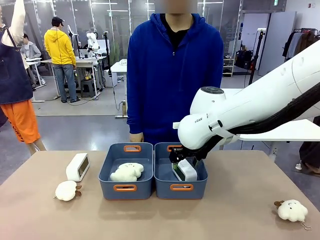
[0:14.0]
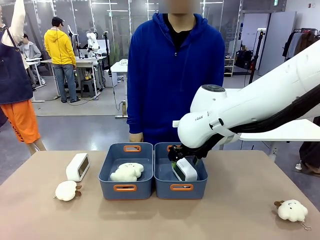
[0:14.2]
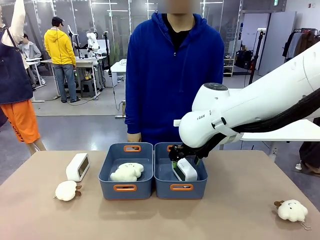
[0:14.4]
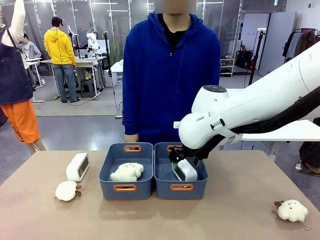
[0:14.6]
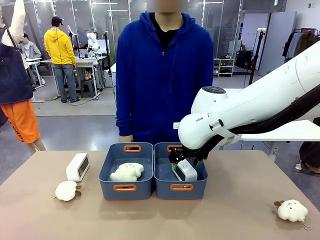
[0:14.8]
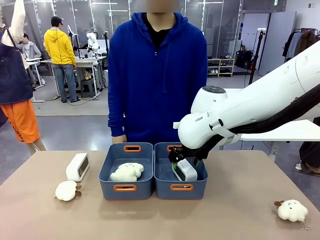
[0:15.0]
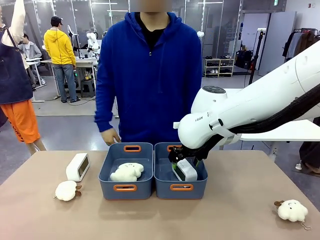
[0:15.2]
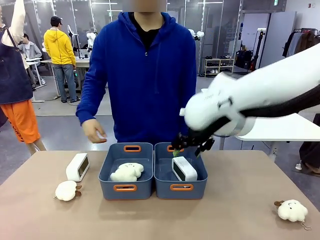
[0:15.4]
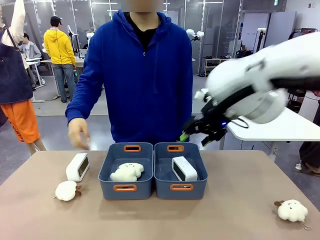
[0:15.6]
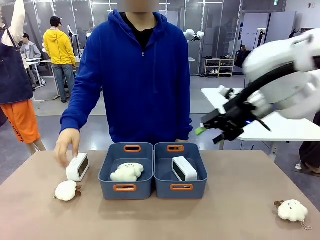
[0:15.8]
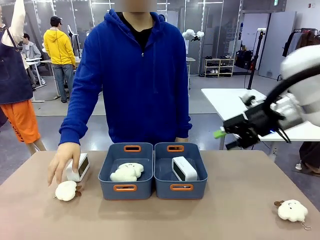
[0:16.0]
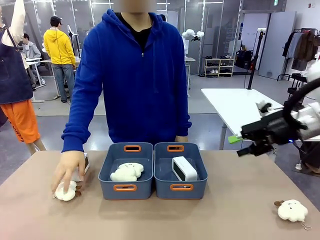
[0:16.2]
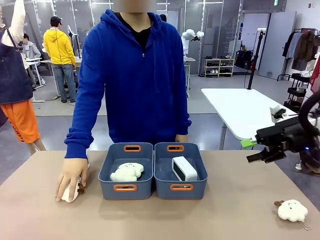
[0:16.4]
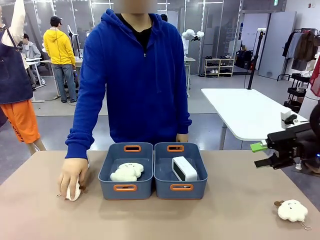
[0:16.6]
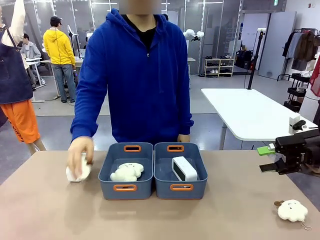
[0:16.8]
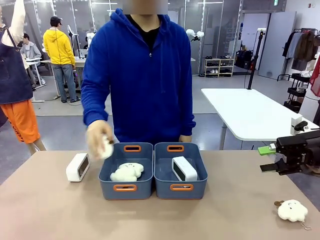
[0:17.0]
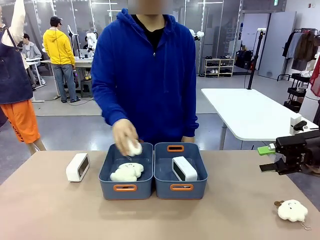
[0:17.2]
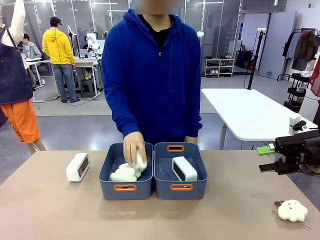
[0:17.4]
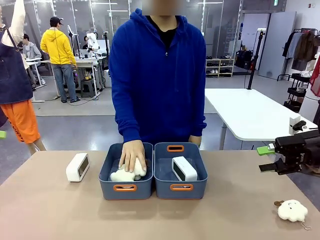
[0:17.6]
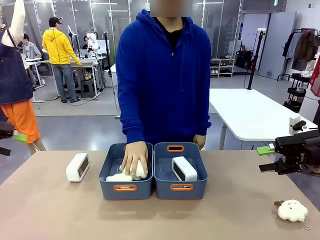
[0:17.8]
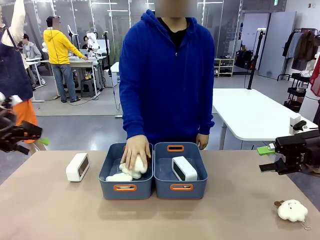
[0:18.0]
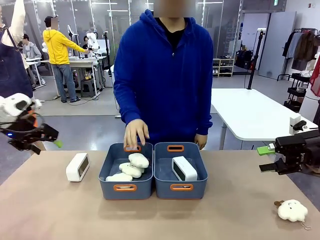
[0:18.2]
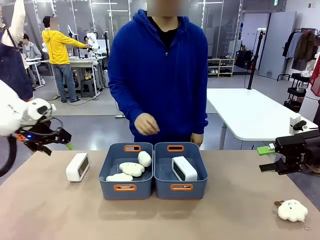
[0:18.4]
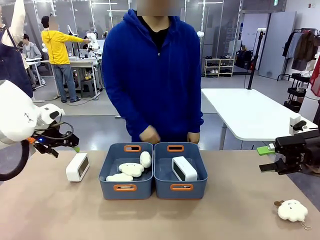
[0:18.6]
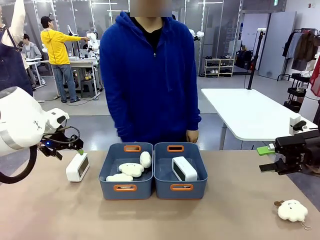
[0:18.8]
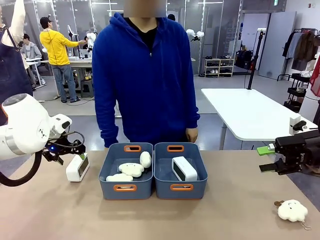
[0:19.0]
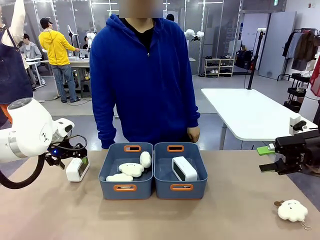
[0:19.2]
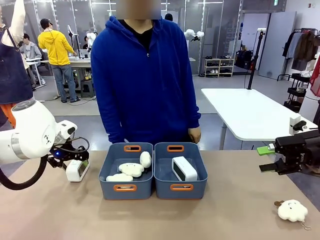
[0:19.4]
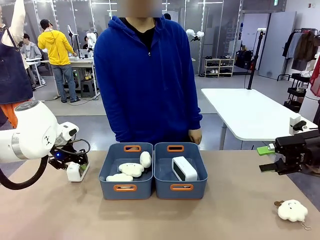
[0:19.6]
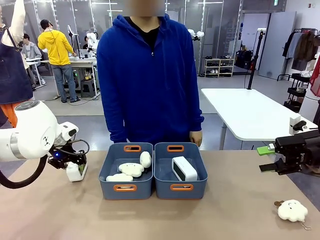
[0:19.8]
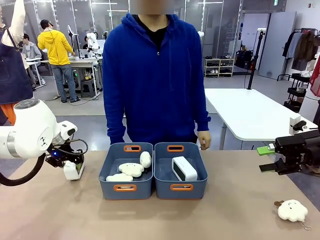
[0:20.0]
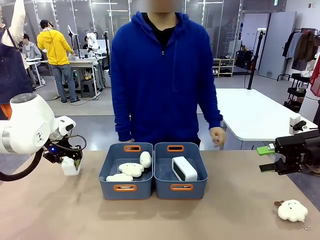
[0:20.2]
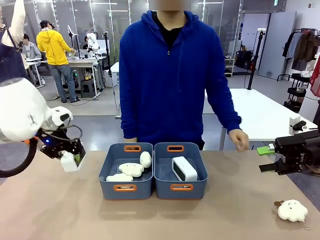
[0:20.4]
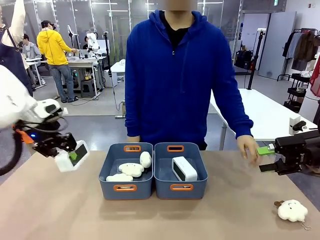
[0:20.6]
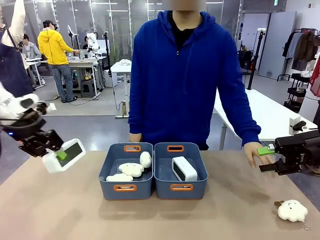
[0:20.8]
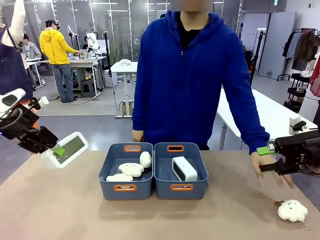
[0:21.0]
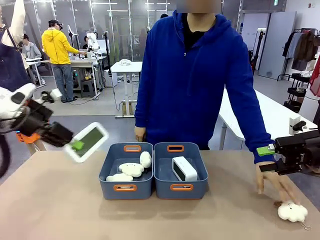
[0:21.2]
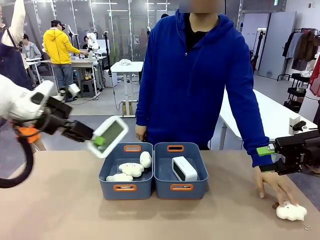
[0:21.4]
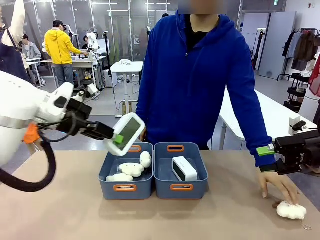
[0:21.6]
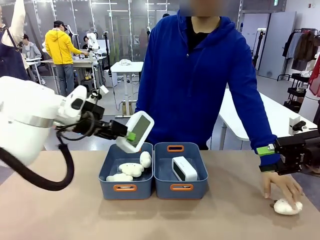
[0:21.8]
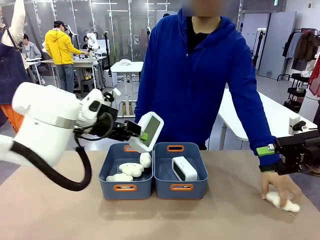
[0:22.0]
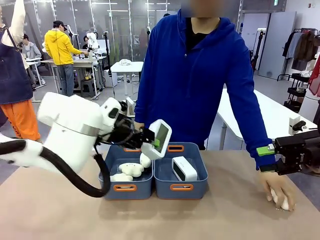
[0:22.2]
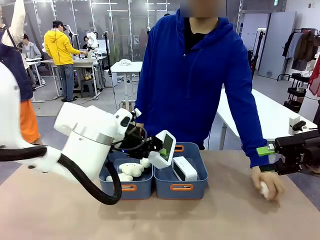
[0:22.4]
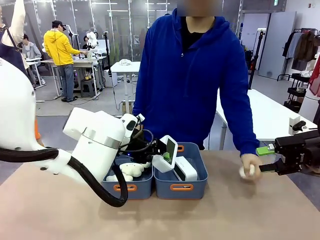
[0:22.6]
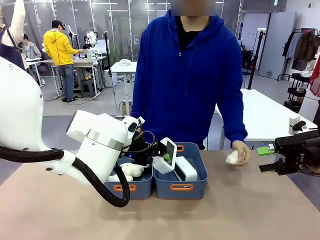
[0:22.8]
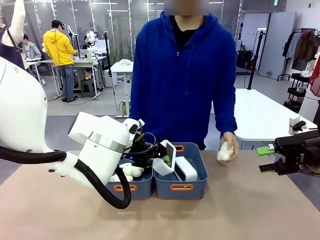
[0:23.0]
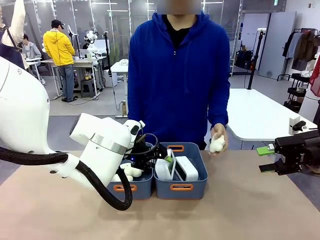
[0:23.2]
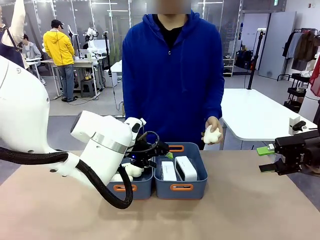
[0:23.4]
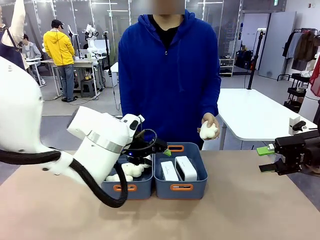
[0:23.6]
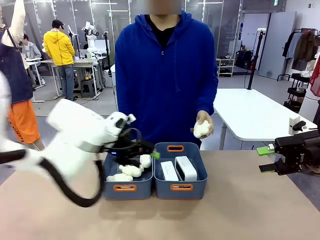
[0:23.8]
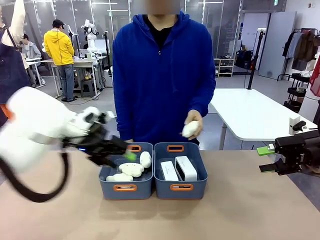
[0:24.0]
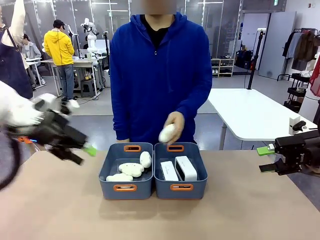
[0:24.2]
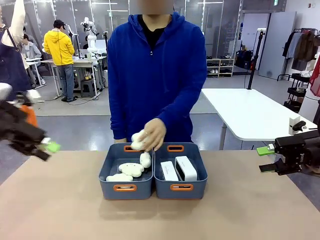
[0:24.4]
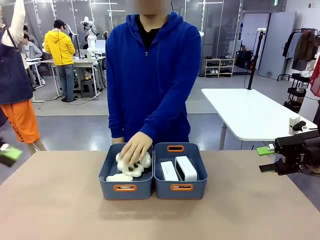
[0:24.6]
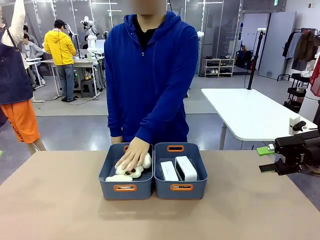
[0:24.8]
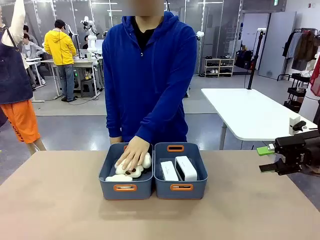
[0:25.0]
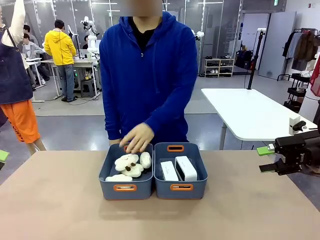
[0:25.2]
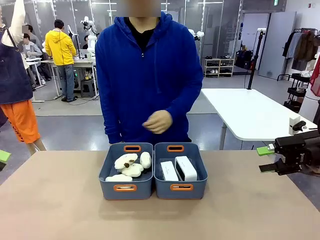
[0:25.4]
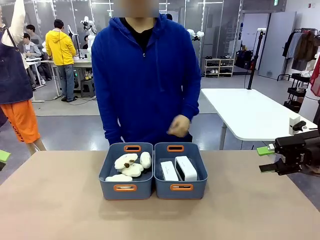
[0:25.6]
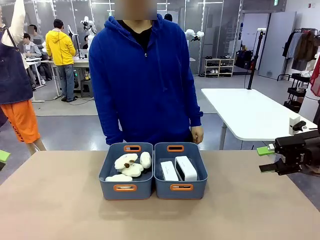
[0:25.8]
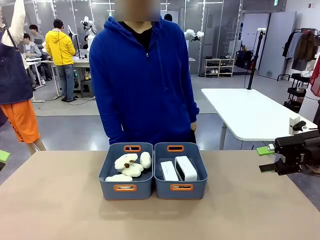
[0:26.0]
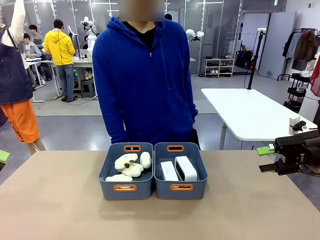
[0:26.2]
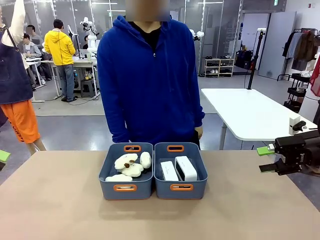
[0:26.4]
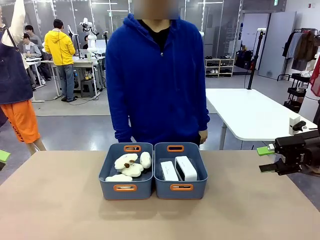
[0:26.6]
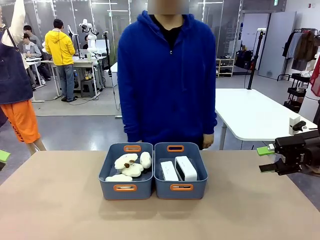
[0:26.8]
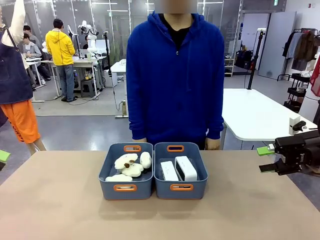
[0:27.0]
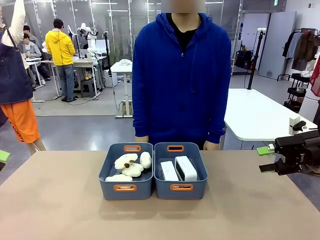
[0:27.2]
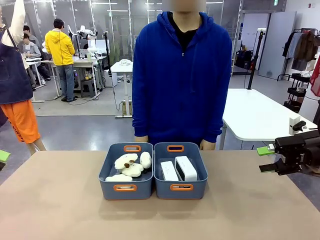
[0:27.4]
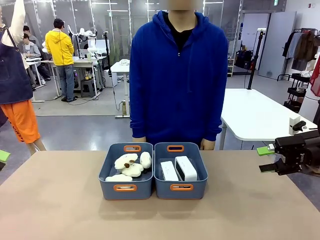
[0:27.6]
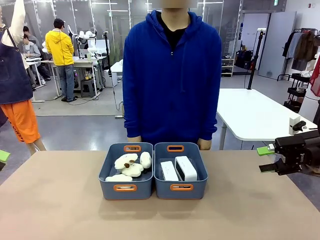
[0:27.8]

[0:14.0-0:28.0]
Task: Sort the digital clocks into the basket.
Robot: Pick up the Digital clock from the table and place it into the empty Plastic storage basket.
Person: Pick up a plush toy from the table and place it in the plastic storage basket containing the plush toy.

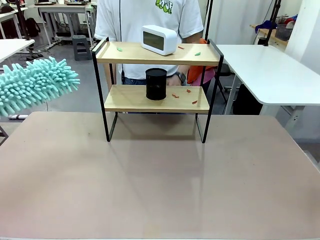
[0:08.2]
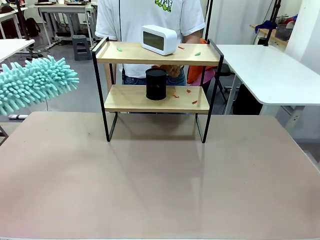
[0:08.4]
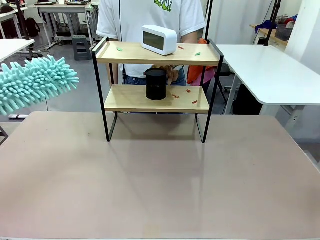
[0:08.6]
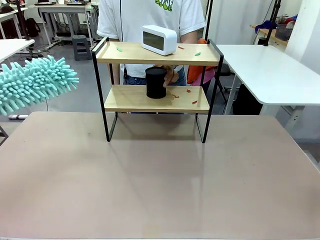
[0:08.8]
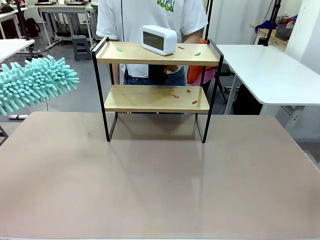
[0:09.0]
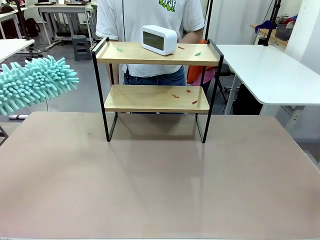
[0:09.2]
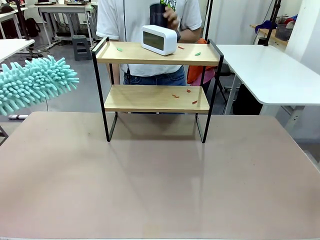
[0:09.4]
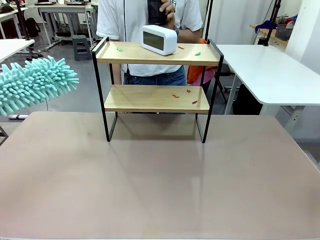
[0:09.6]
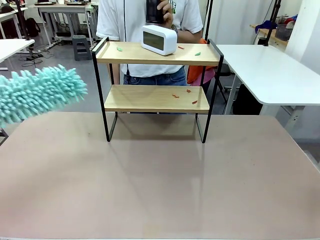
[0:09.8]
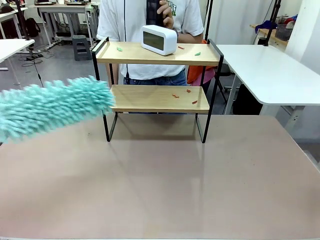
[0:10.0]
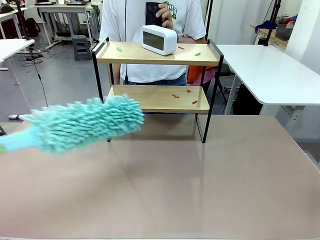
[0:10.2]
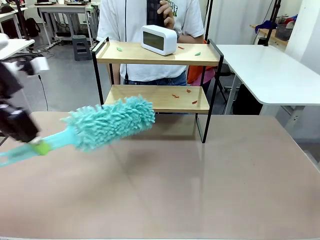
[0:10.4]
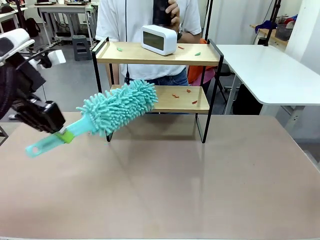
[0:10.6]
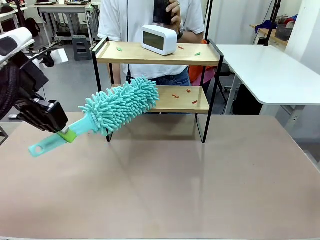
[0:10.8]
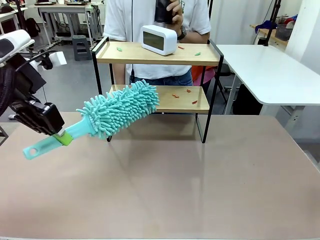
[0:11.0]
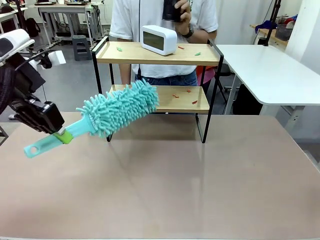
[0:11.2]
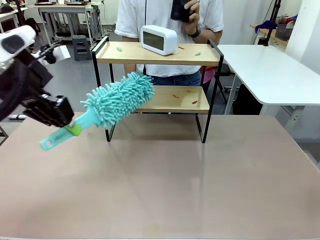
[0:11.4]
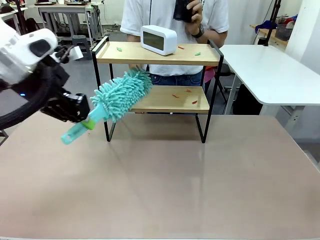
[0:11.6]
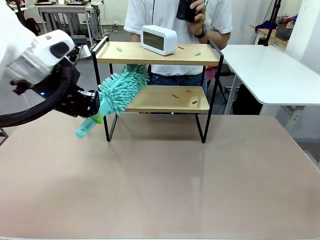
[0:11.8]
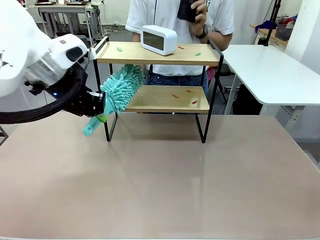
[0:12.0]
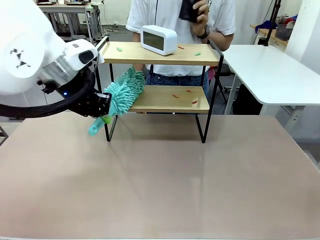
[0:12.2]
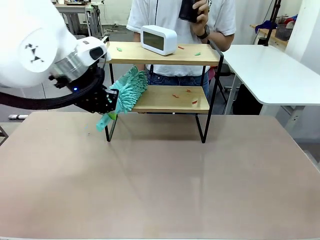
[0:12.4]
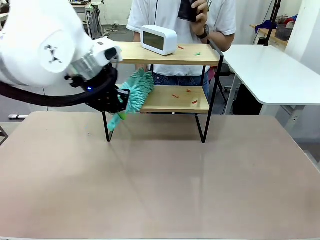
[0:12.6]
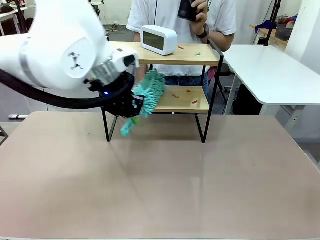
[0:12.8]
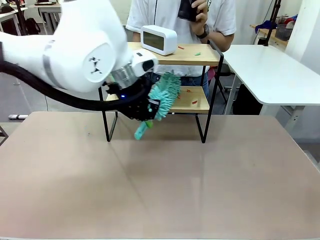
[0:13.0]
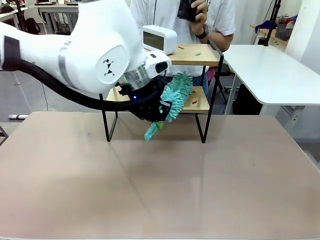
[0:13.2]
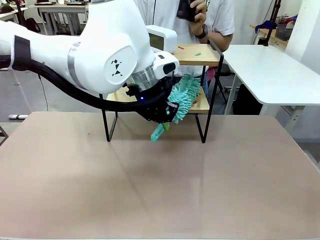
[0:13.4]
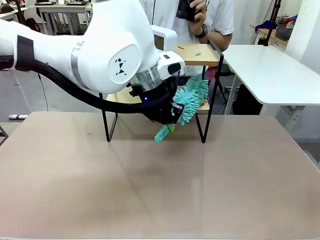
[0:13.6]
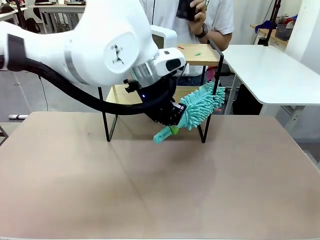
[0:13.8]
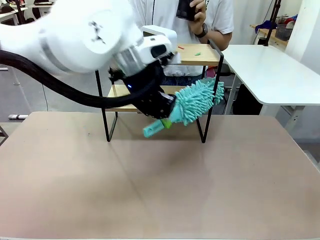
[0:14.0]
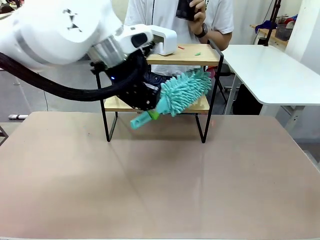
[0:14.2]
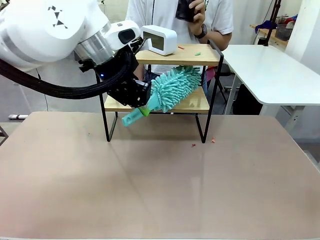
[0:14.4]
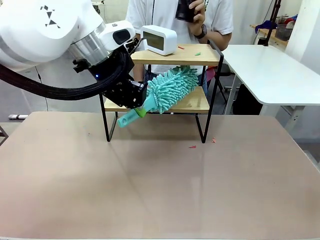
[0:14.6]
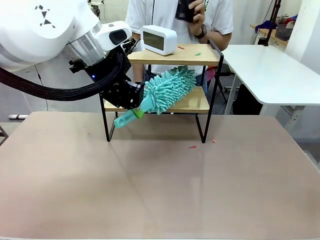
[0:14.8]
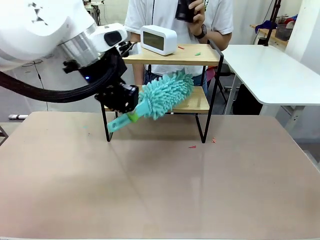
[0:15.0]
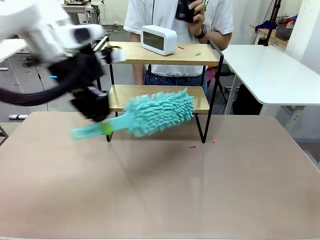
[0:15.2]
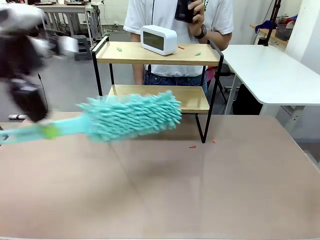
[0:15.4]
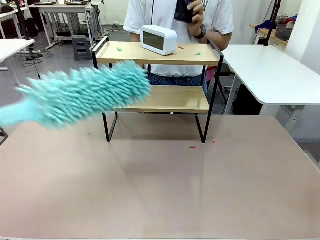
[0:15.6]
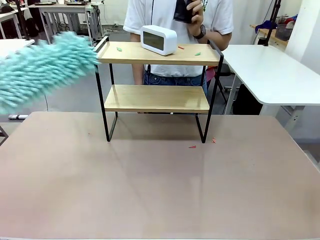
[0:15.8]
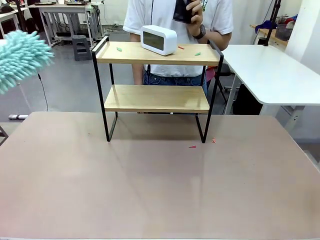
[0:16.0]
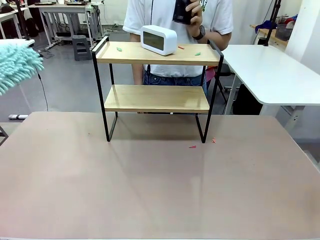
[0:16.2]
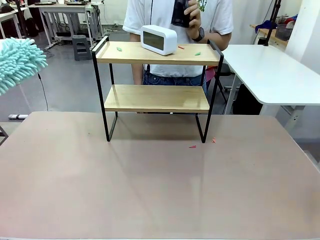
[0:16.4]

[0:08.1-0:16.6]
Task: Clean the shelf.
Robot: Clean the specific tier of the Shelf with the Duster once objects are removed.
Person: Lift the objects on a randomly selected tier of the Shelf. Once the robot finishes cleaning, lift the objects on the remaining tiers of the Shelf.
